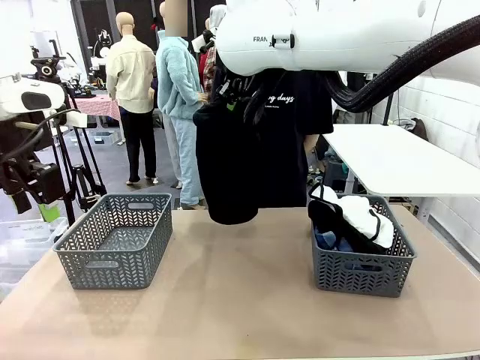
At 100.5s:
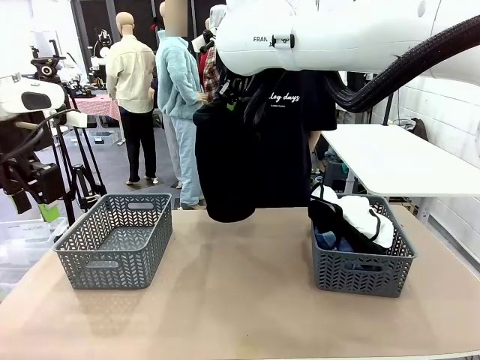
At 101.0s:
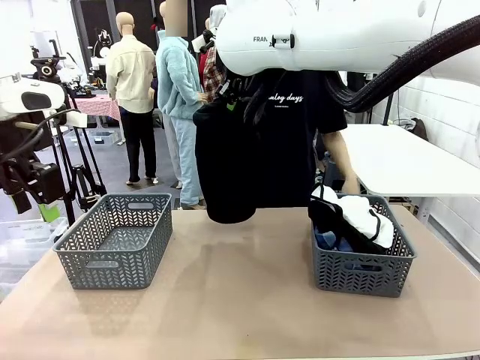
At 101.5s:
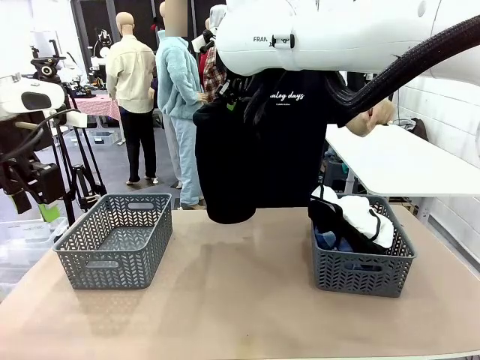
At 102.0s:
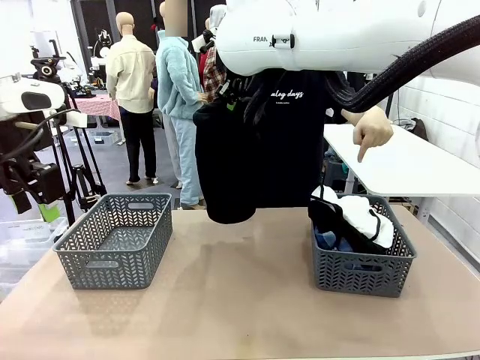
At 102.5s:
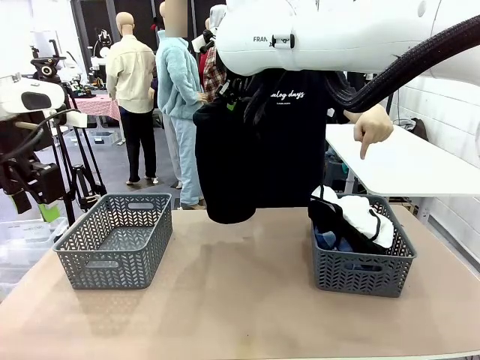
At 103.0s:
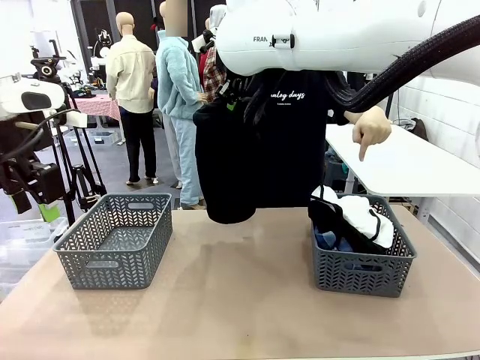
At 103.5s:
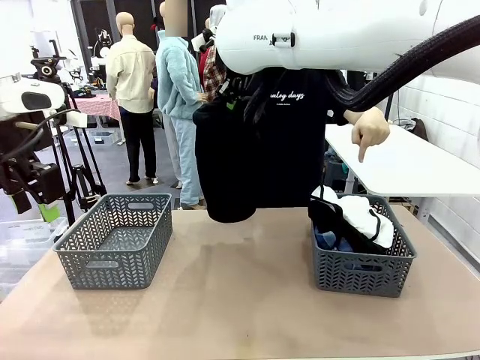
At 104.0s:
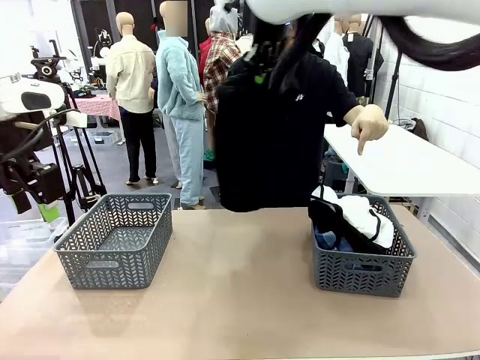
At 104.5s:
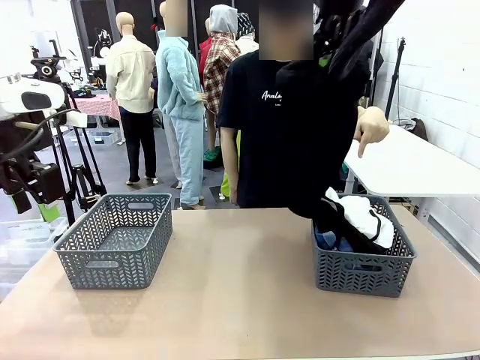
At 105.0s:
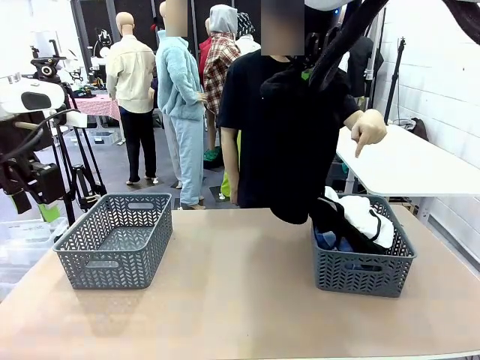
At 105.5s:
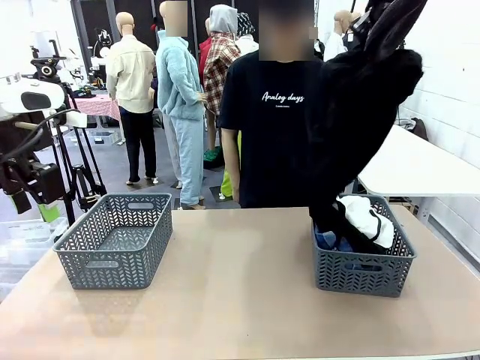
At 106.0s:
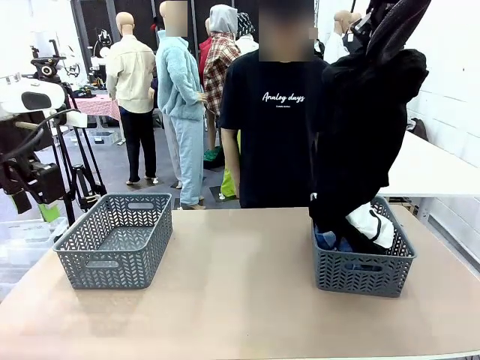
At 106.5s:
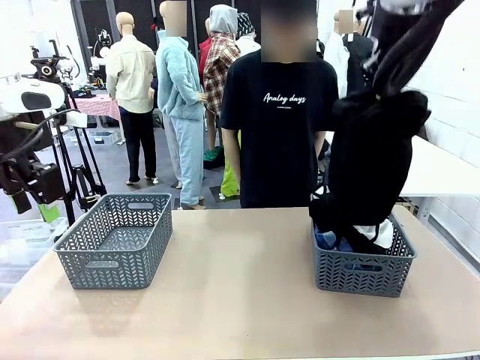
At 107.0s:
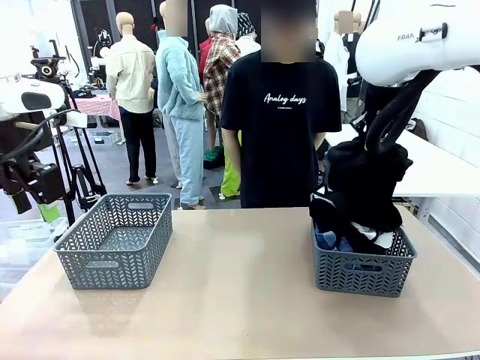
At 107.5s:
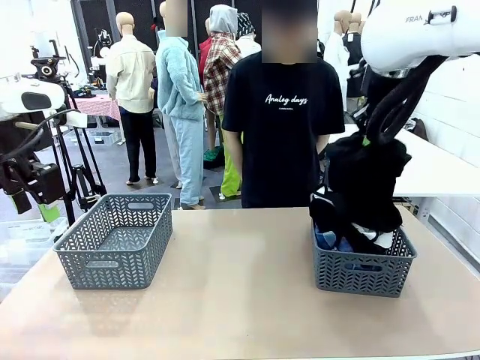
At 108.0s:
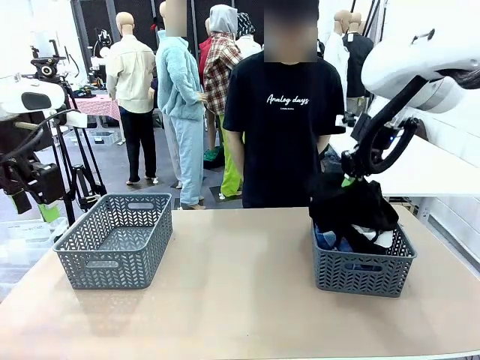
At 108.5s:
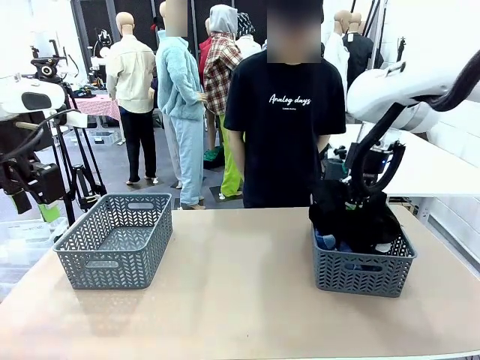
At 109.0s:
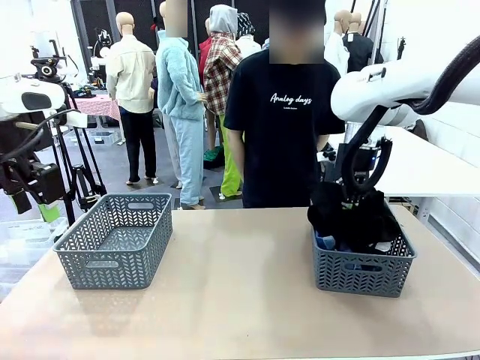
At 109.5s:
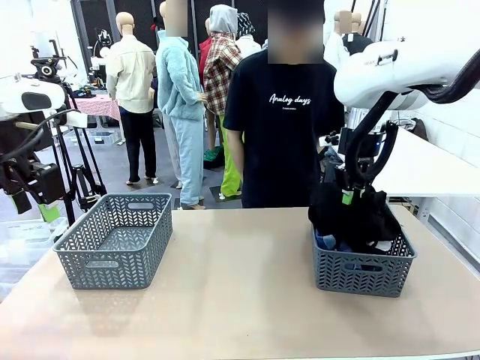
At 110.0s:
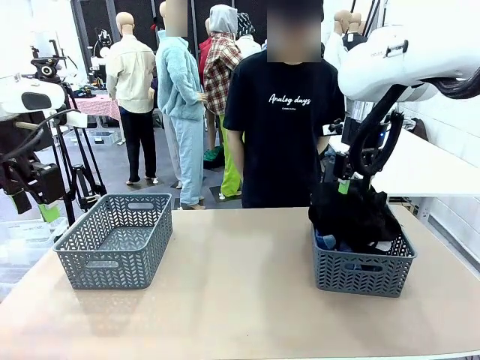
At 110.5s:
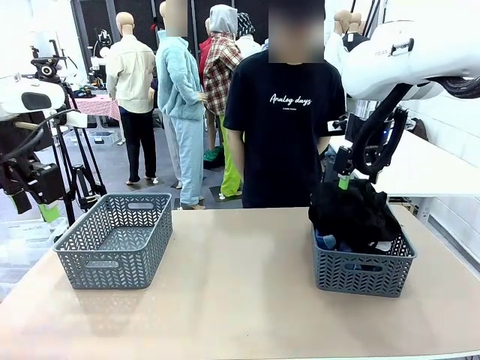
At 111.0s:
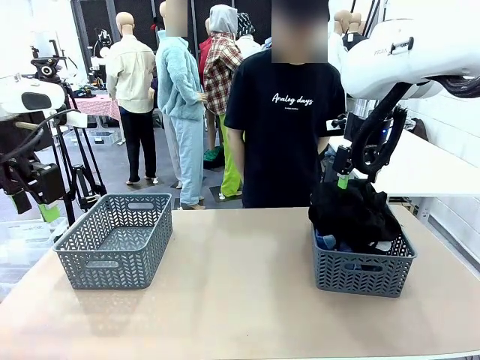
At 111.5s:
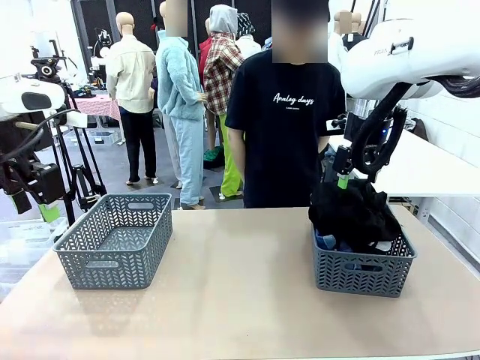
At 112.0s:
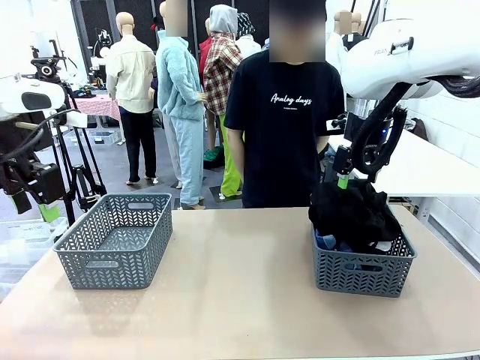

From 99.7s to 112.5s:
Task: Sort the tops and bottoms.
Robot: Sort the clothes according to human instructions.
